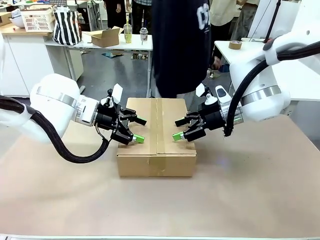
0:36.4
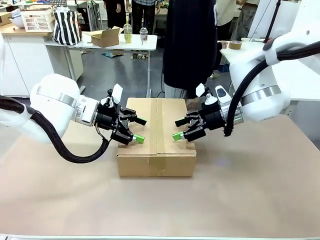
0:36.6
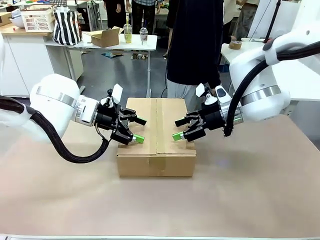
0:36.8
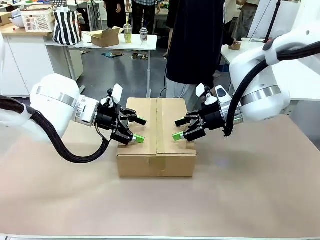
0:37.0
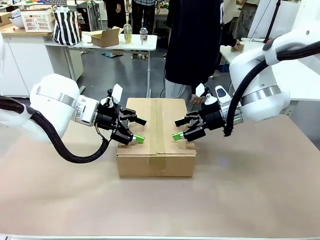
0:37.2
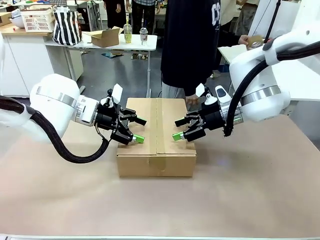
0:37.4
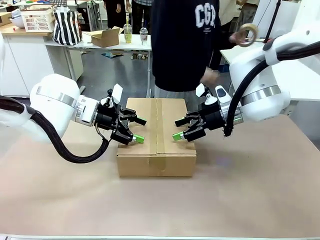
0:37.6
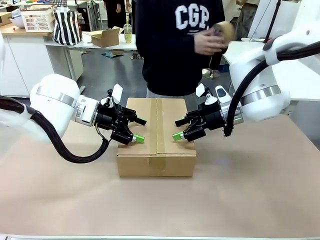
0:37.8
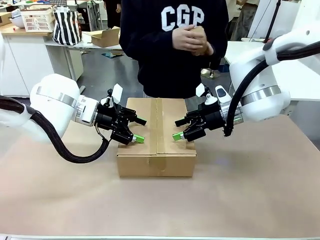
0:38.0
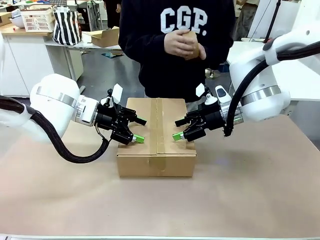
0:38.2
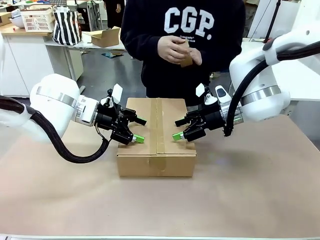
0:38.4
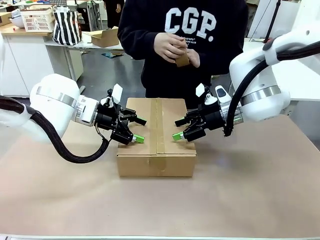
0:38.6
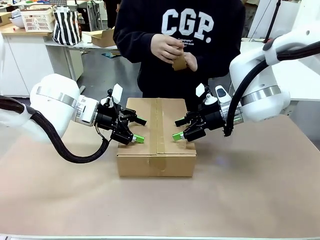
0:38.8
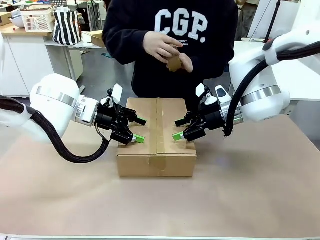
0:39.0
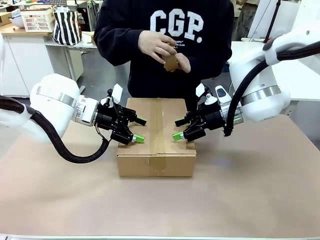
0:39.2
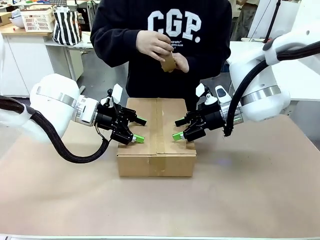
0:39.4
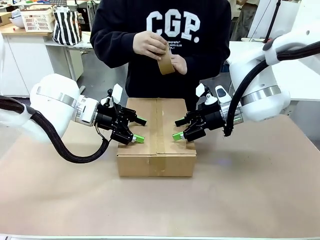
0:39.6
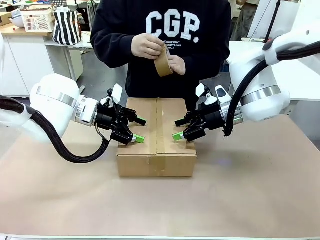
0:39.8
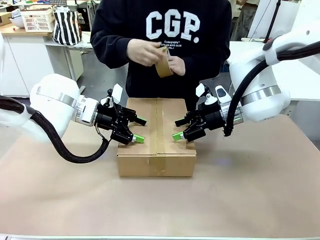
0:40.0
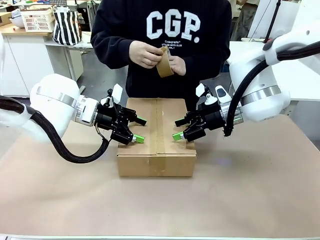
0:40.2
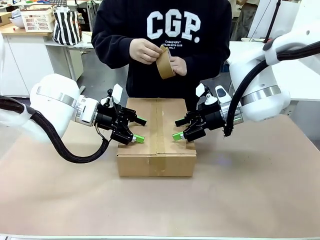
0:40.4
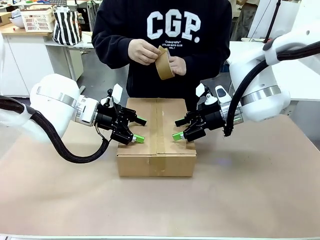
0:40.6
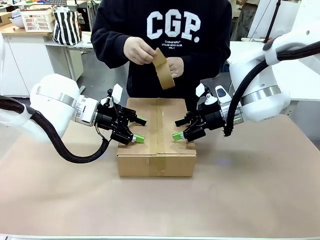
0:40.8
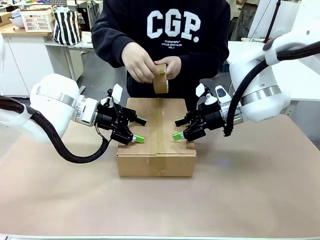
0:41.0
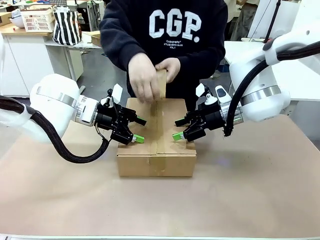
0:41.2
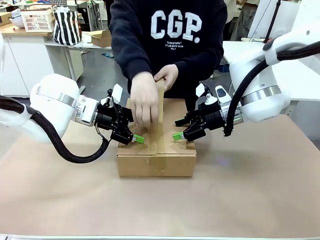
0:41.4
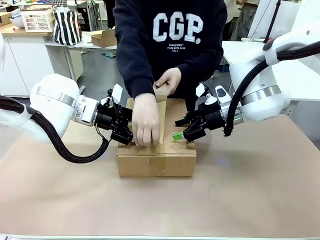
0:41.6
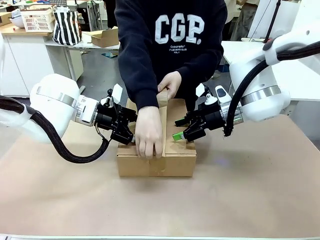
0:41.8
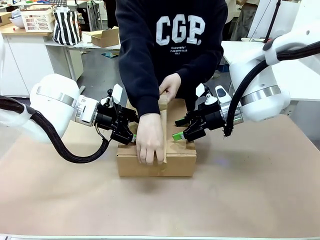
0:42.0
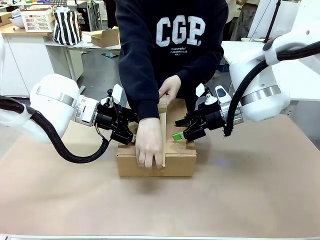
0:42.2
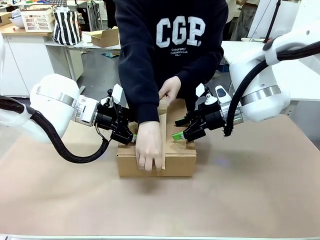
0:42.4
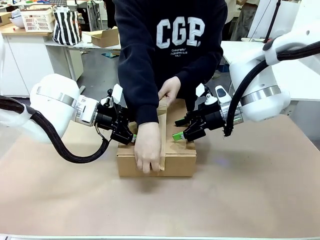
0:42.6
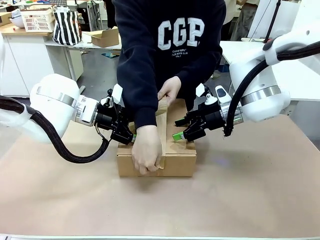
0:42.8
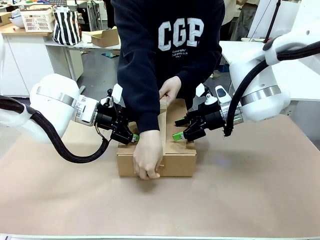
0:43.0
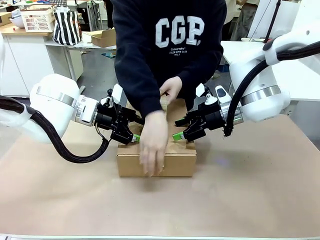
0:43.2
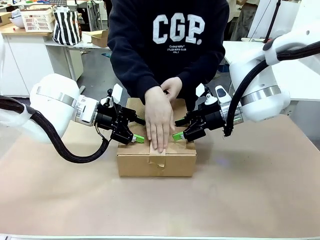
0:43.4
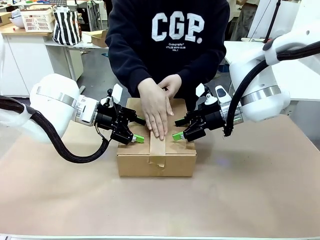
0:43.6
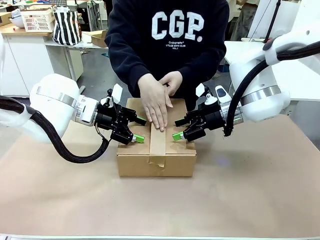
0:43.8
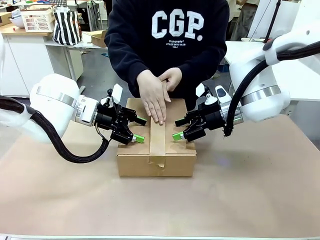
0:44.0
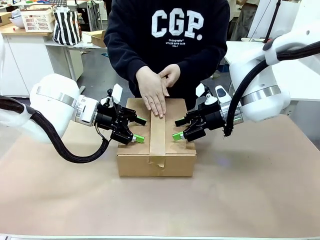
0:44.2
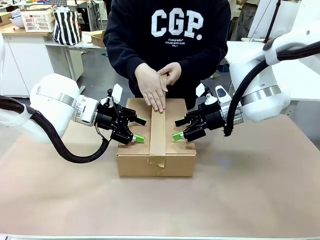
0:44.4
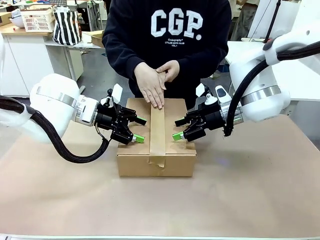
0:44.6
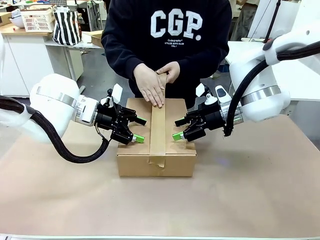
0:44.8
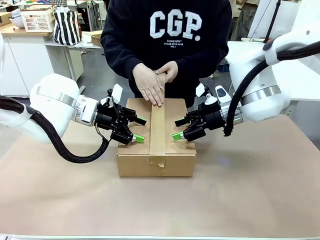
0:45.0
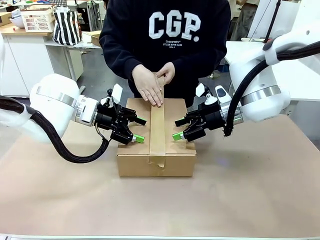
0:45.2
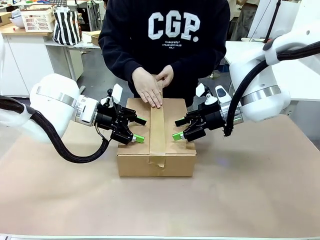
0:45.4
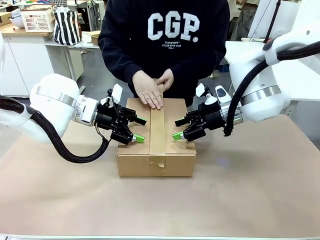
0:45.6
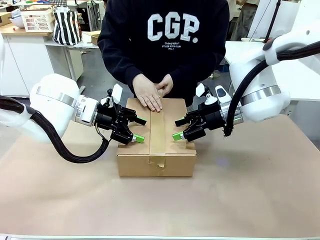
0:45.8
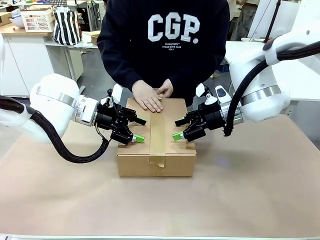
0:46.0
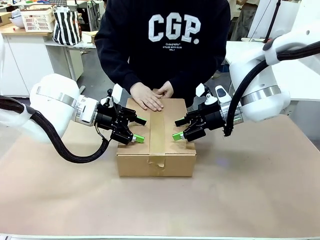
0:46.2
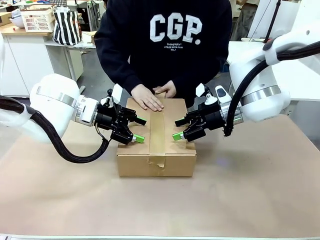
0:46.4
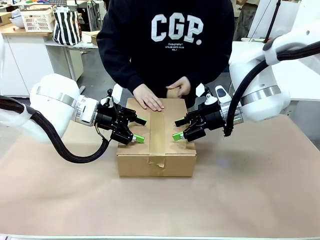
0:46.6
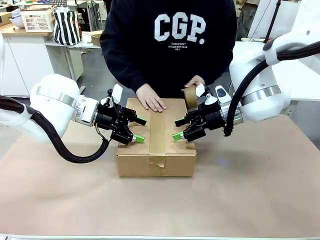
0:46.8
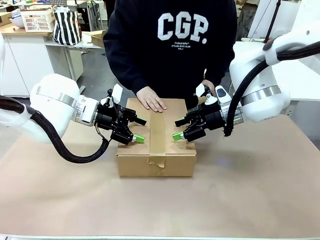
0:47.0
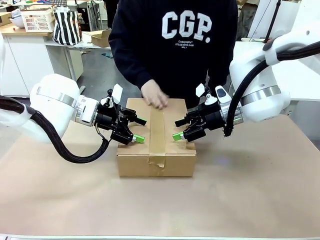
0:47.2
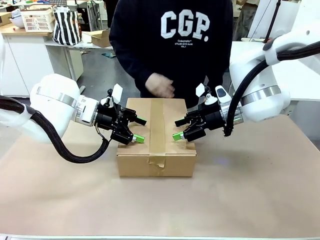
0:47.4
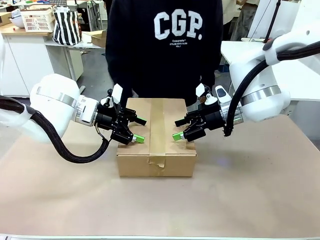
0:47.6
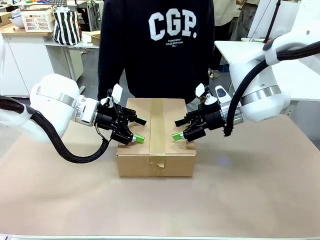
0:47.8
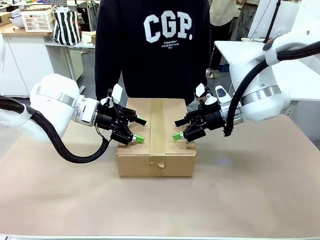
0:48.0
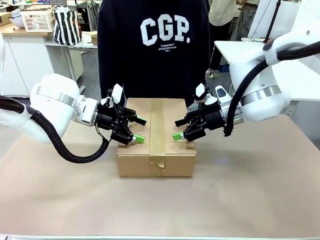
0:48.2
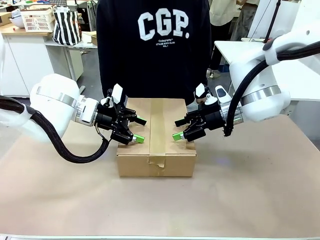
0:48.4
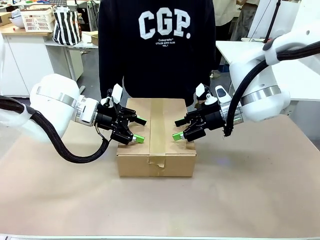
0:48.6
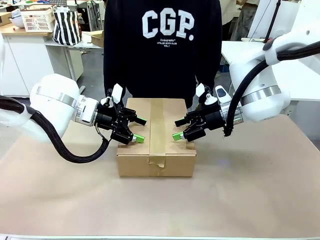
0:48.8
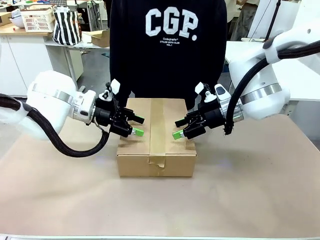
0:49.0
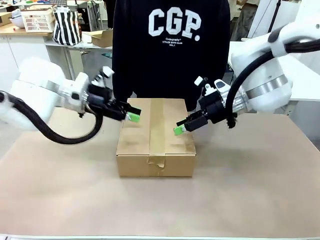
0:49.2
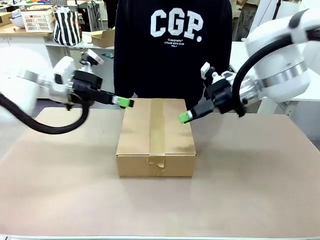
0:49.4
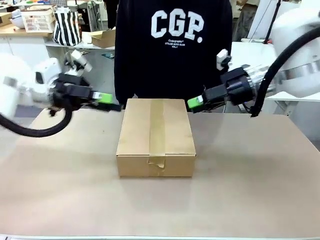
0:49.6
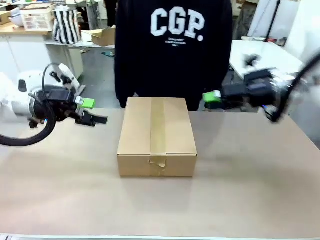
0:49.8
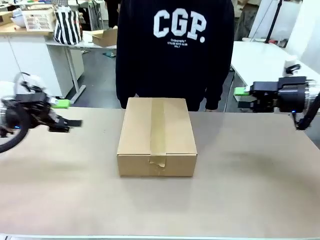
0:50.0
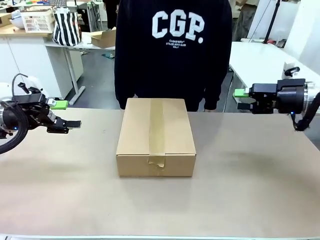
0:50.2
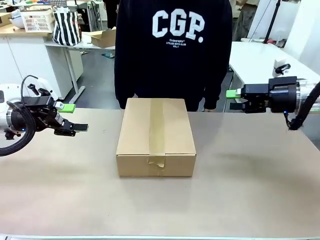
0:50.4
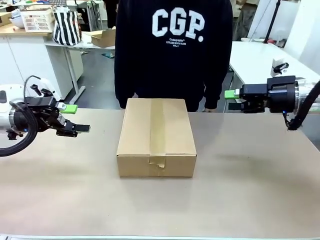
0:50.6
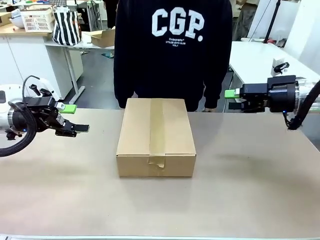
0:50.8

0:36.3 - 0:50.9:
Task: Pack the gift set into the box.
Robot: Press and hold the closed box until the human finishes sealing it.
Person: The human picks up the paper tape from the human table and packs the box.

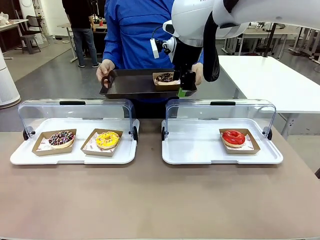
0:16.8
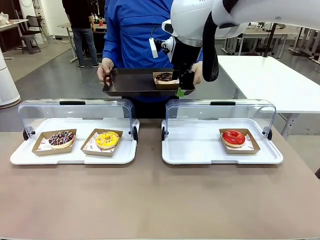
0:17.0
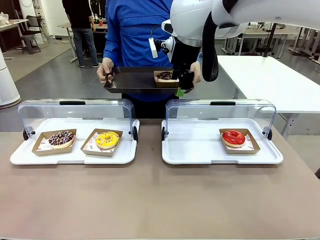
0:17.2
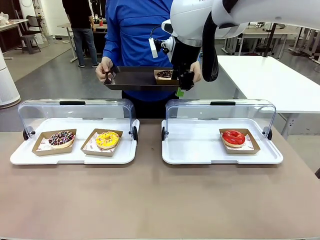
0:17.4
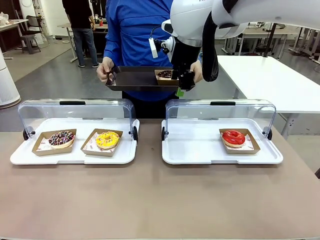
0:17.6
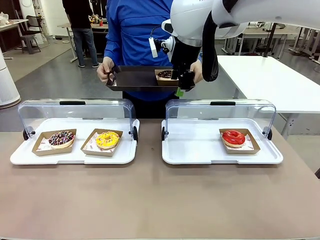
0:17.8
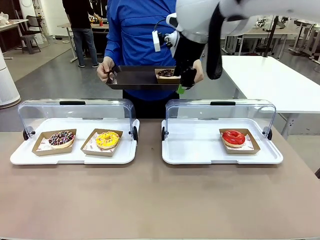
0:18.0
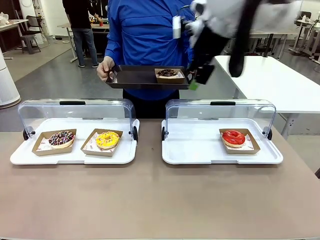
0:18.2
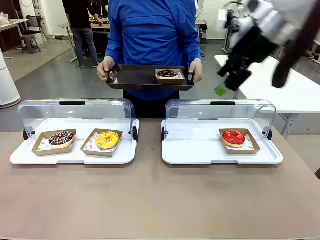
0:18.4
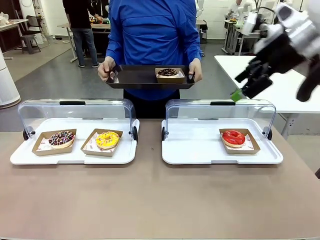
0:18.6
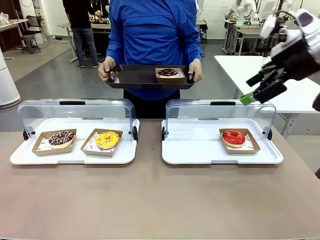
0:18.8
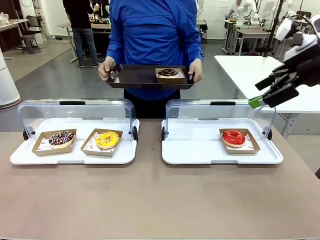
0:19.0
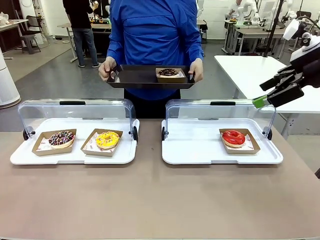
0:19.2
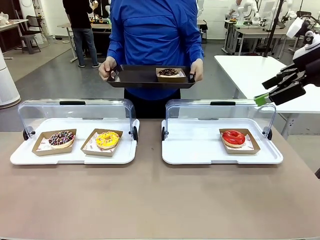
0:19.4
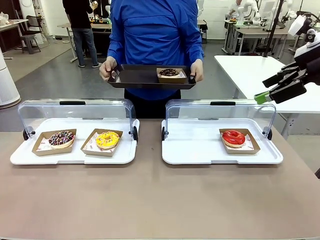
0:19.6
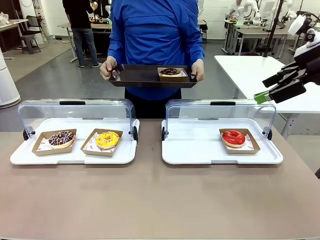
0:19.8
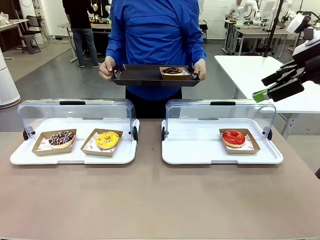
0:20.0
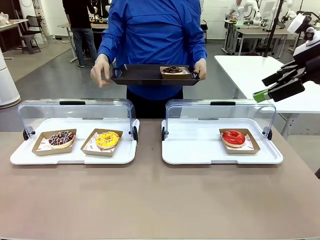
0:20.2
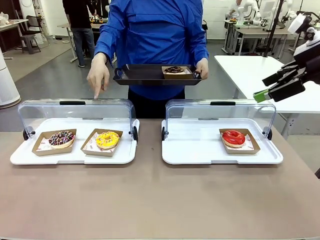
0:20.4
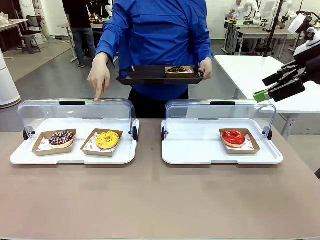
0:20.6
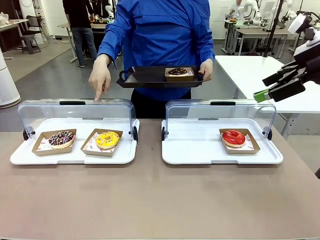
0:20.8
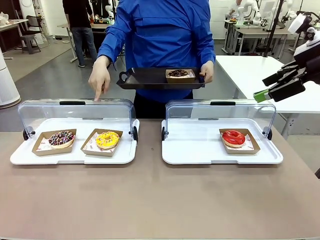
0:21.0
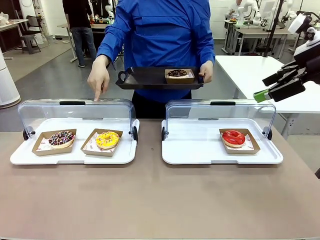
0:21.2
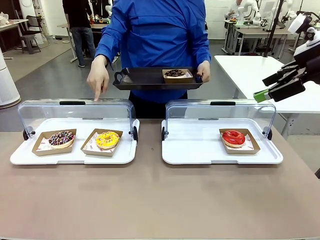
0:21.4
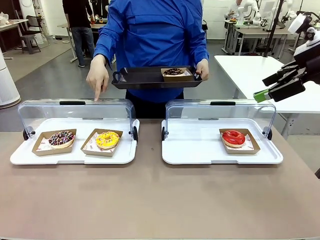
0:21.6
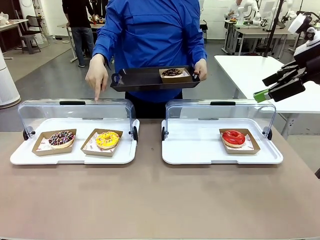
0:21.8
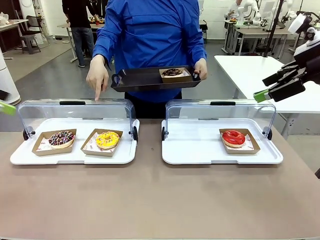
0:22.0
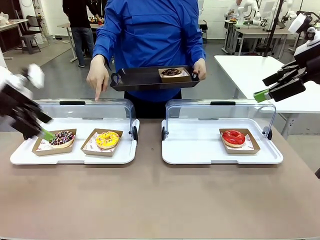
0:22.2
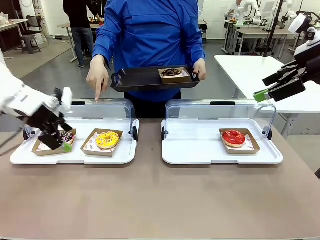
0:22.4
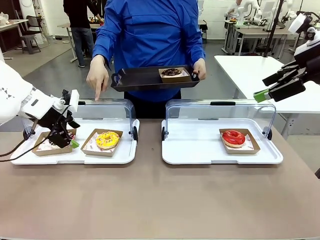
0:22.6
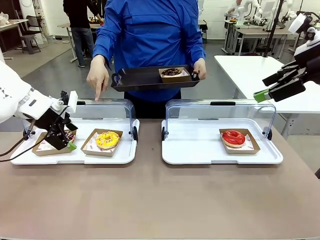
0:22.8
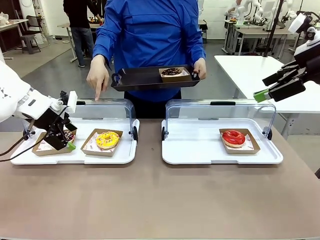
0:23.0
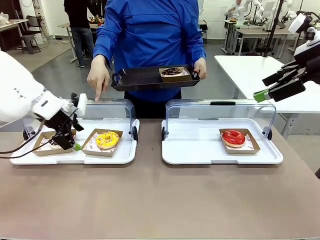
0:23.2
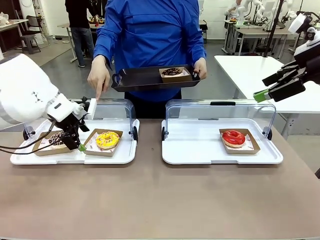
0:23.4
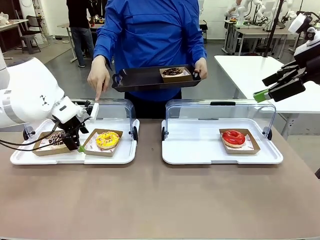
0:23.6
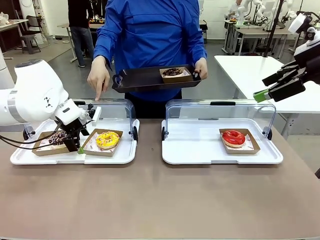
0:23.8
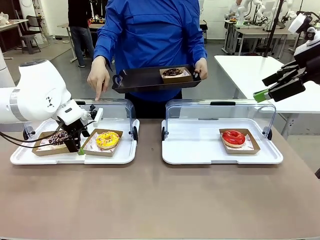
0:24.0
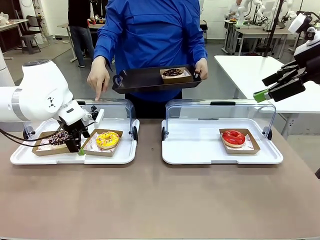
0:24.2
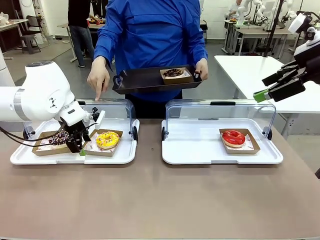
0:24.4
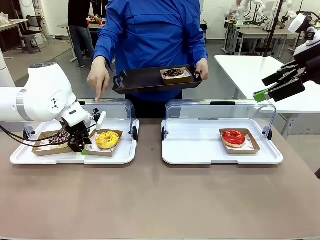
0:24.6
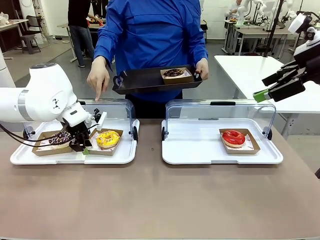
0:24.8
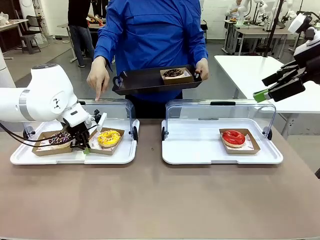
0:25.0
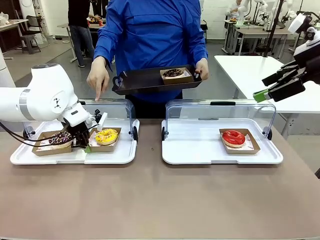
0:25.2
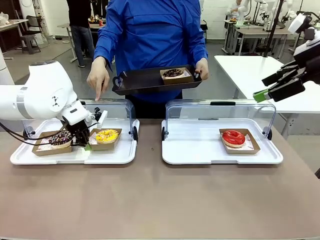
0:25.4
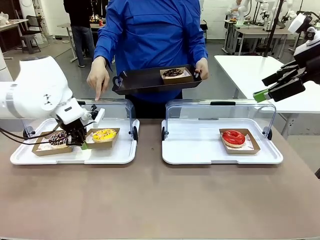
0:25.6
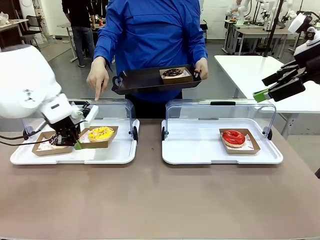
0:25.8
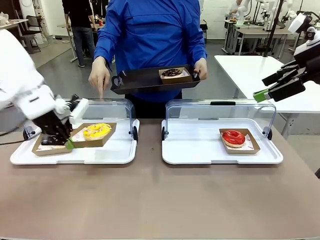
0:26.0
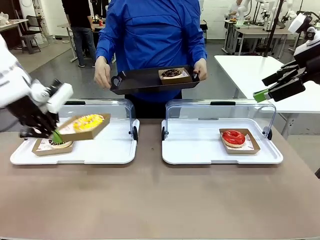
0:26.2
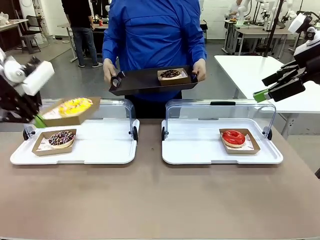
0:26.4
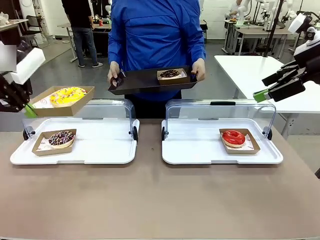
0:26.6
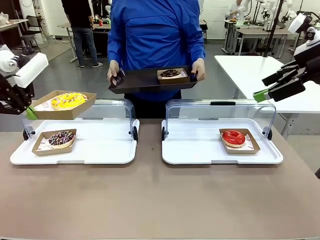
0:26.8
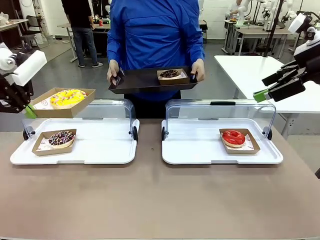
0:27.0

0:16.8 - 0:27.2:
Task: Provide the desired donut to the person.
Robot: Pick up and lift the Paper togo box containing the Donut pointed at by the person.
Person: Lift the tray onto the Roll-Top Bakery Case.
